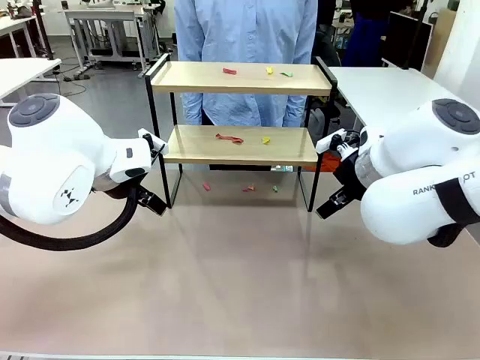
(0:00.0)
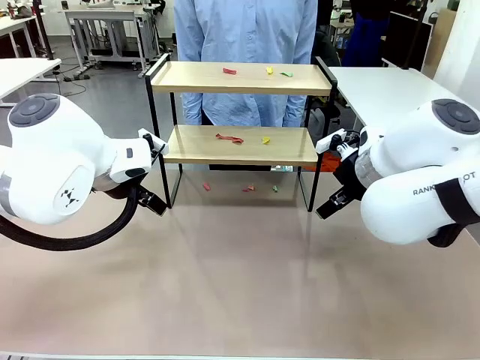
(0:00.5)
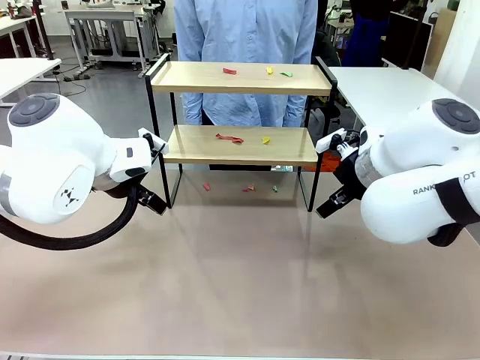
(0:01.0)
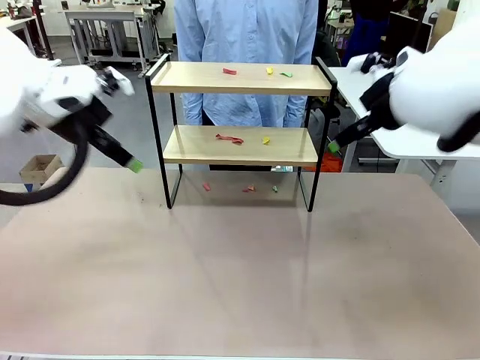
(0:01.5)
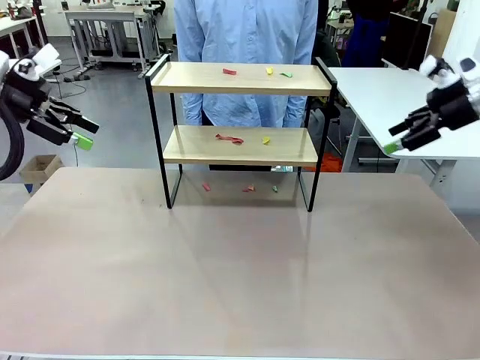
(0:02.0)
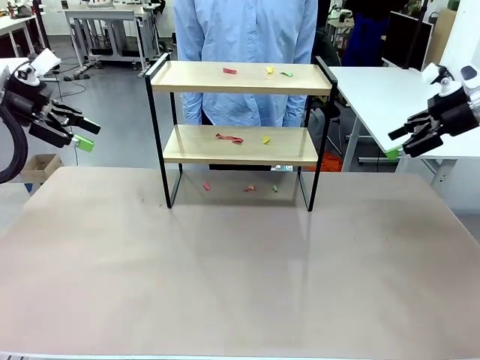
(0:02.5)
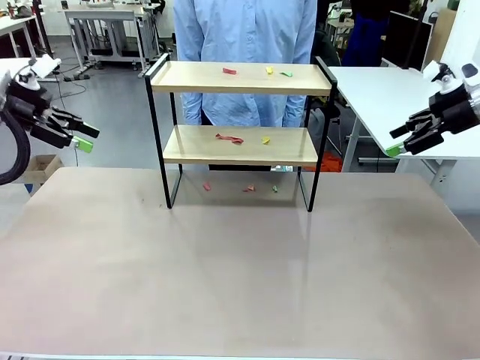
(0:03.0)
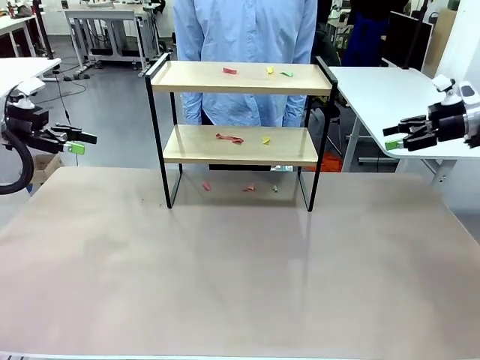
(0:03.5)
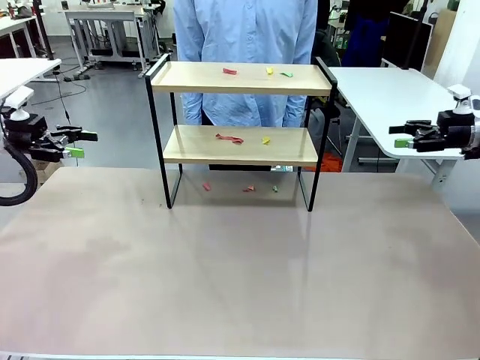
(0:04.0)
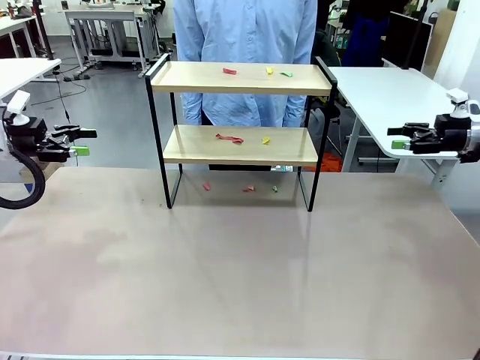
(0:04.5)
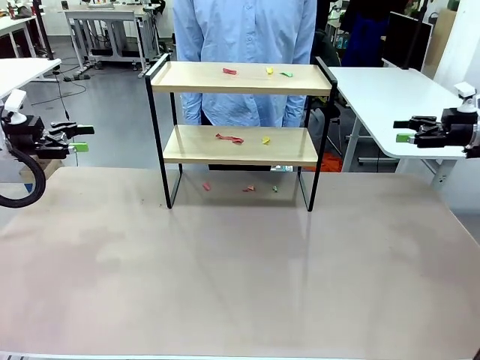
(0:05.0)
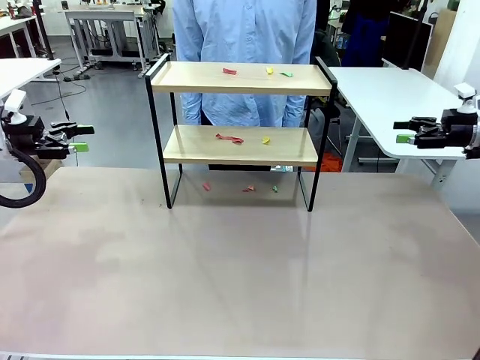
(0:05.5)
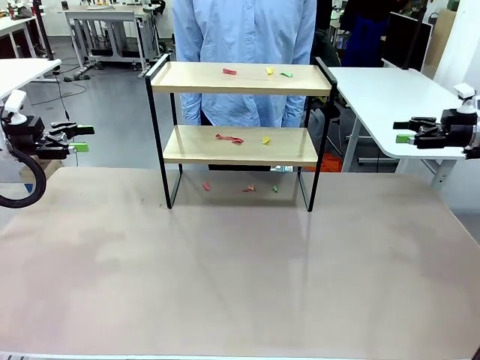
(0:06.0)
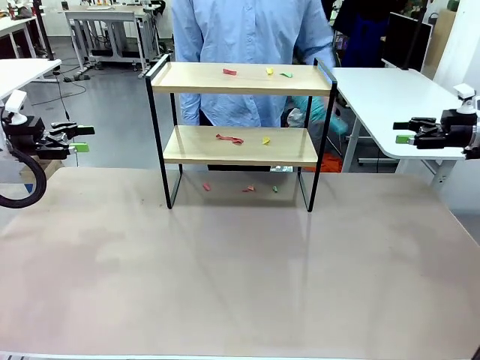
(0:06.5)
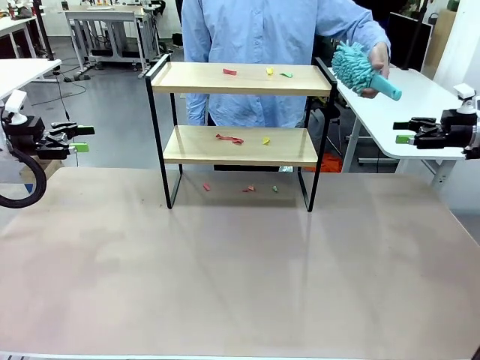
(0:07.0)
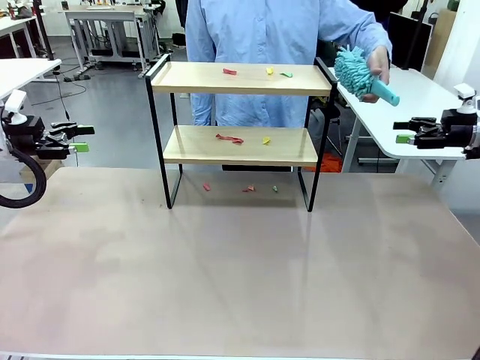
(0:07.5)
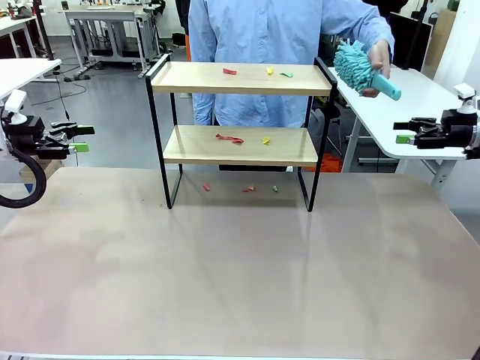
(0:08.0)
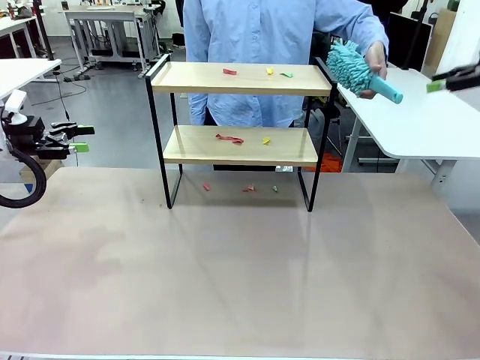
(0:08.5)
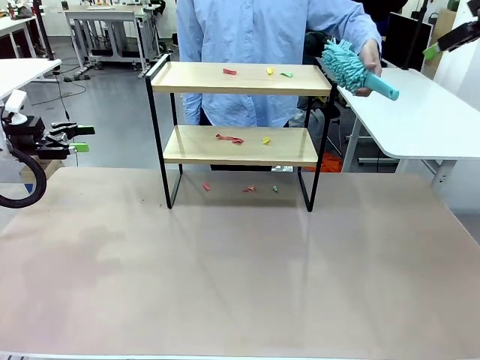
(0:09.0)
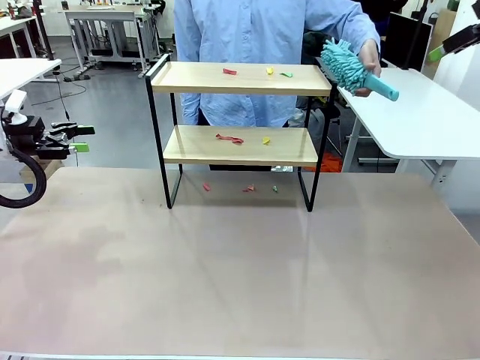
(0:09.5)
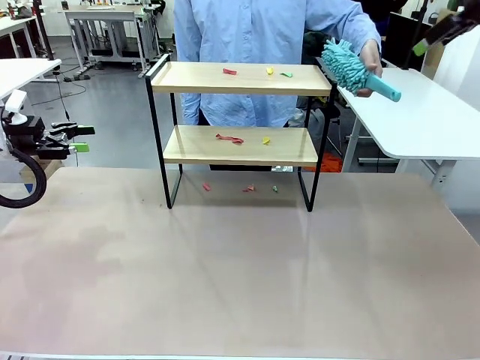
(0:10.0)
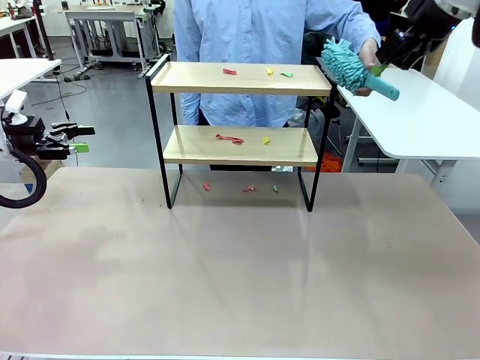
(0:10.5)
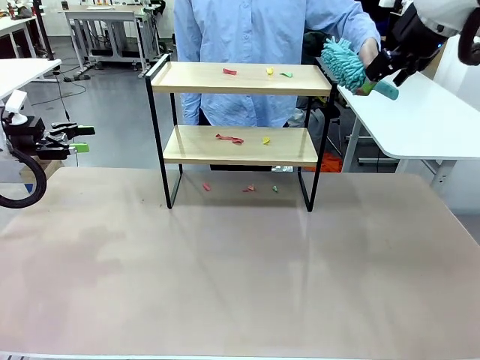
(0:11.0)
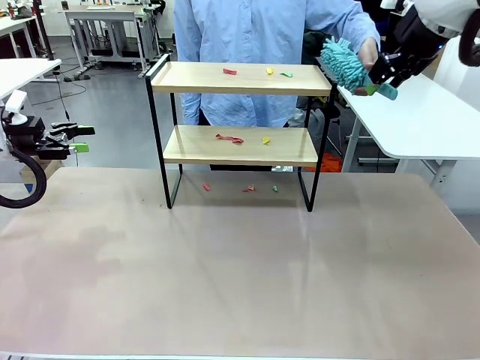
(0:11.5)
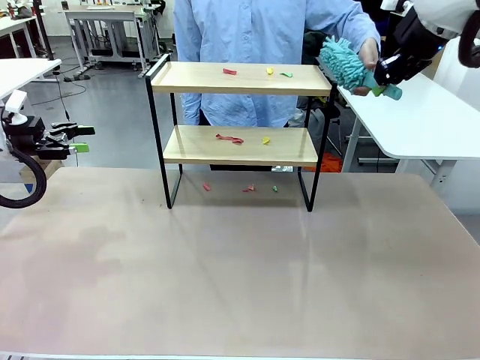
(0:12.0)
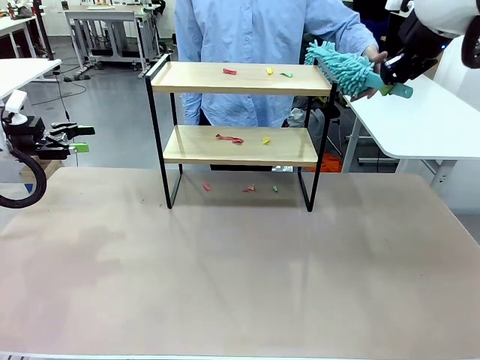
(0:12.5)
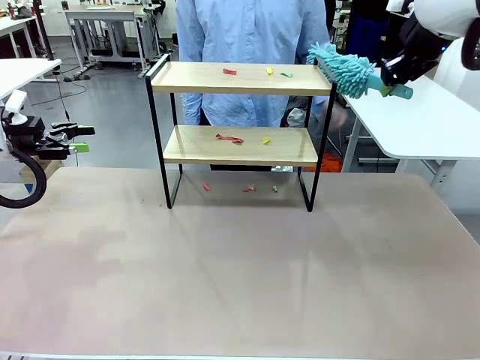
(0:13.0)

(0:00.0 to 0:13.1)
Task: Clean the shelf.
Robot: Pick up the Duster handed by the human.
Person: Hand the Duster to the robot.

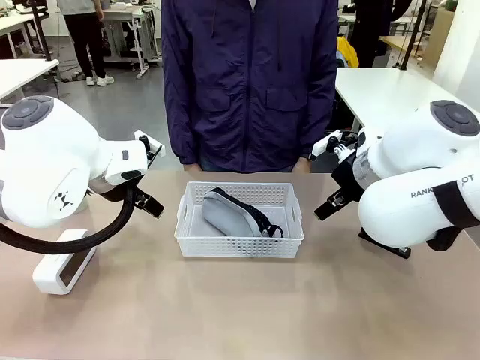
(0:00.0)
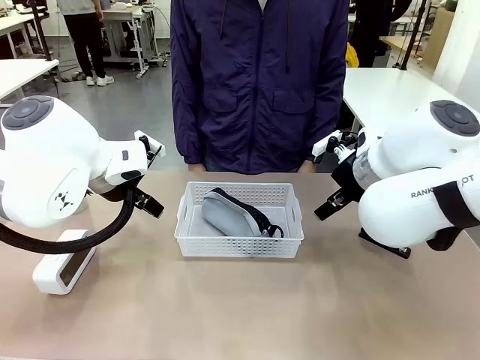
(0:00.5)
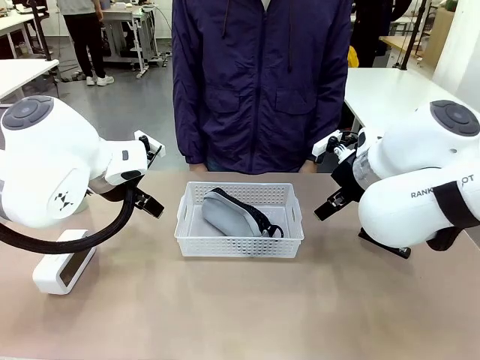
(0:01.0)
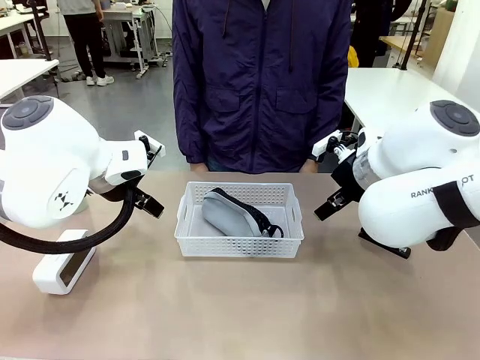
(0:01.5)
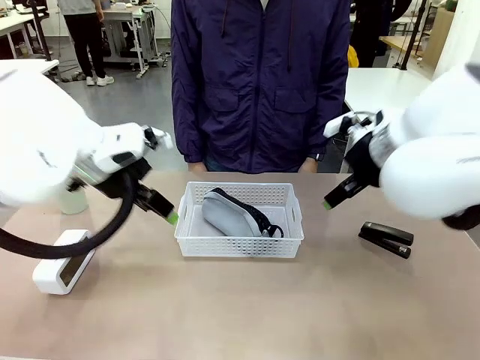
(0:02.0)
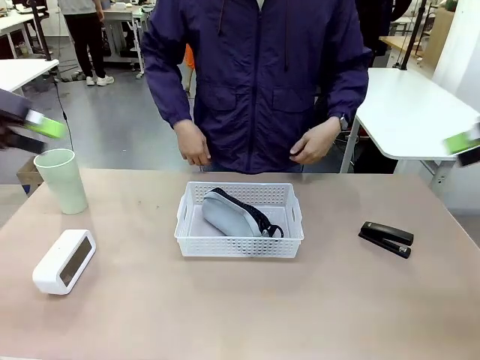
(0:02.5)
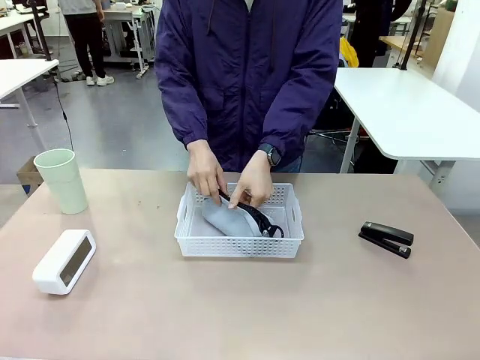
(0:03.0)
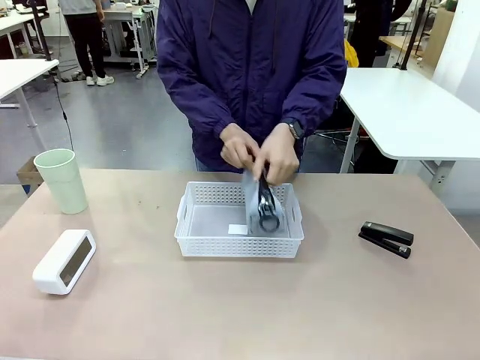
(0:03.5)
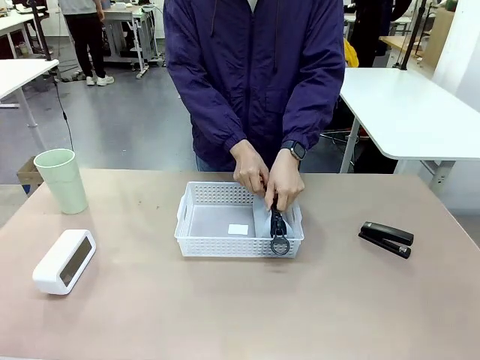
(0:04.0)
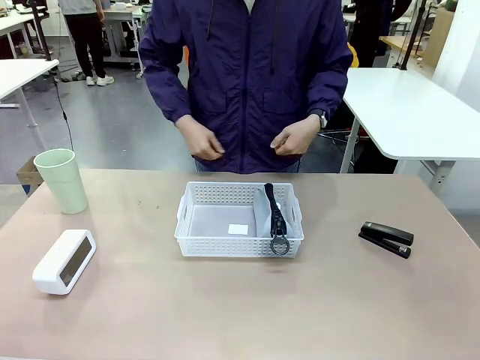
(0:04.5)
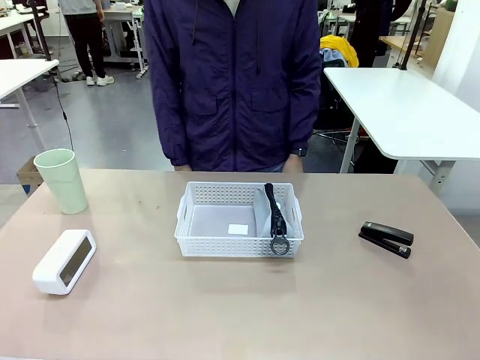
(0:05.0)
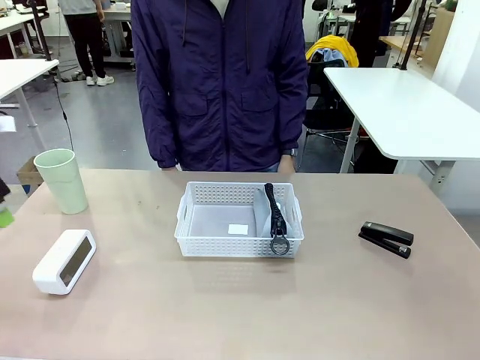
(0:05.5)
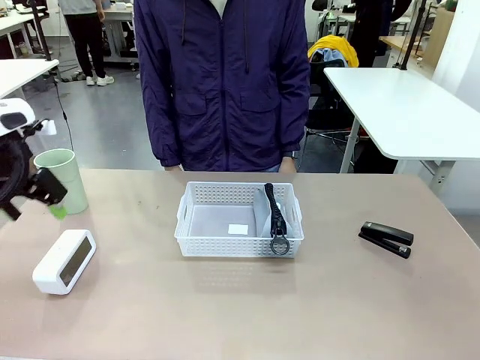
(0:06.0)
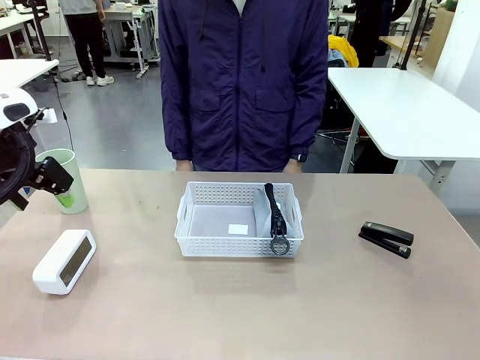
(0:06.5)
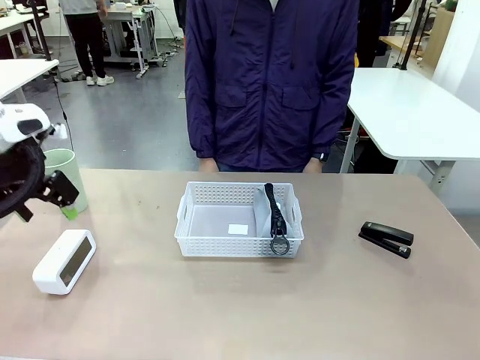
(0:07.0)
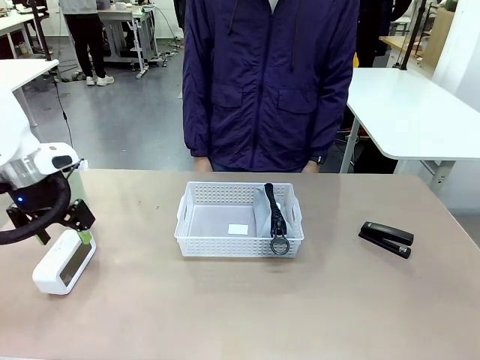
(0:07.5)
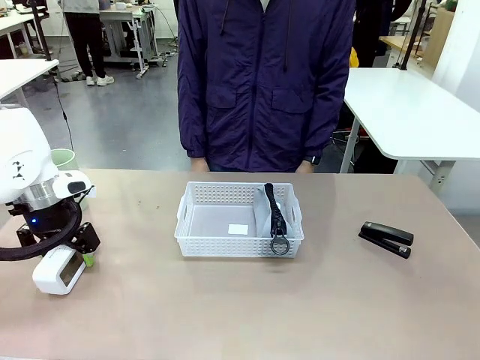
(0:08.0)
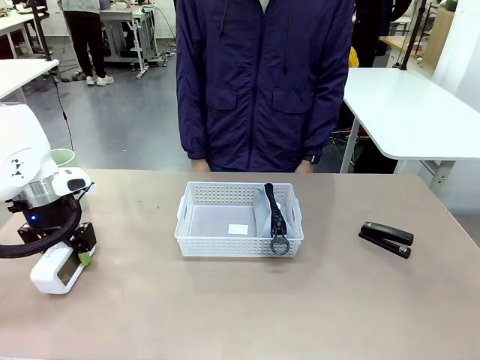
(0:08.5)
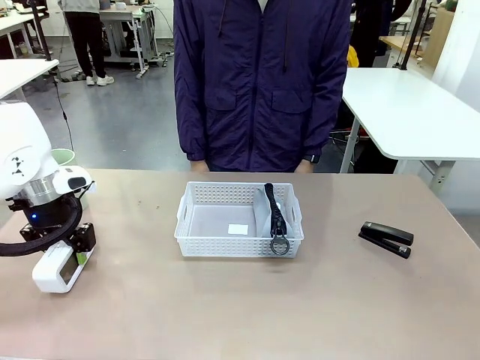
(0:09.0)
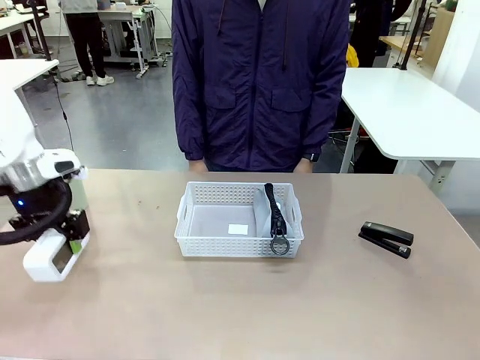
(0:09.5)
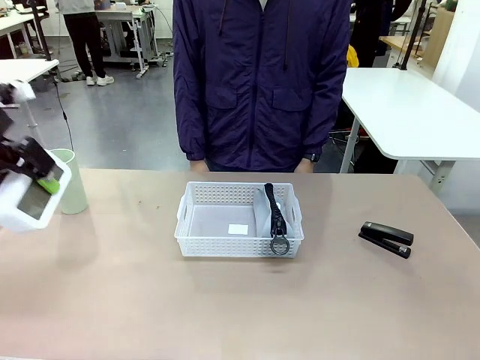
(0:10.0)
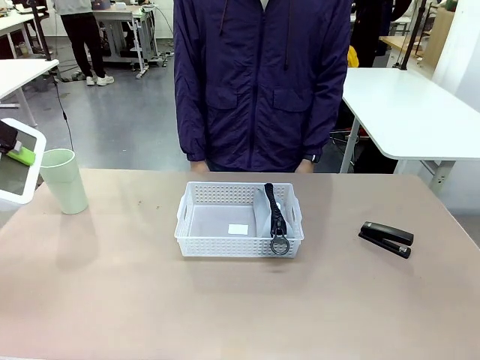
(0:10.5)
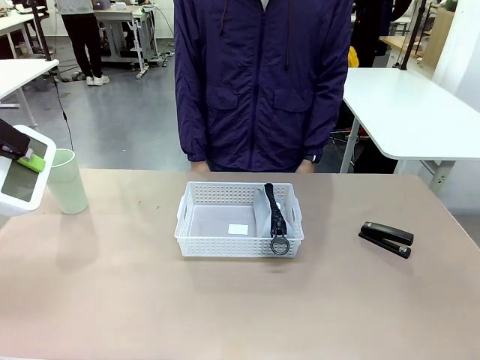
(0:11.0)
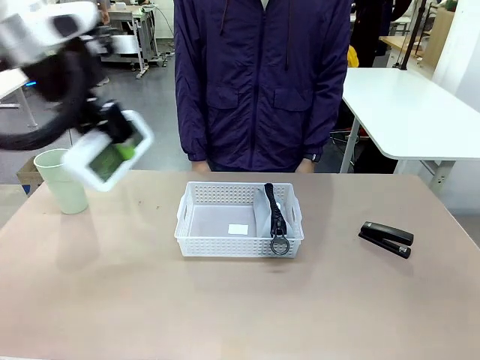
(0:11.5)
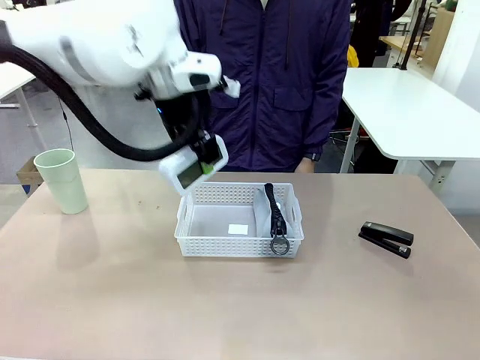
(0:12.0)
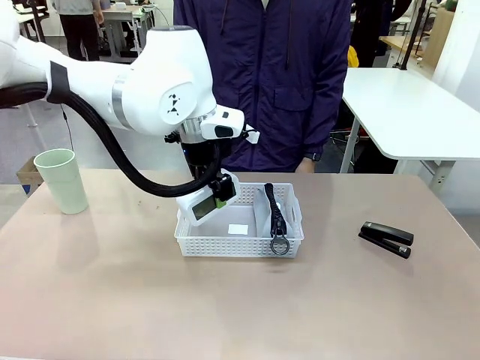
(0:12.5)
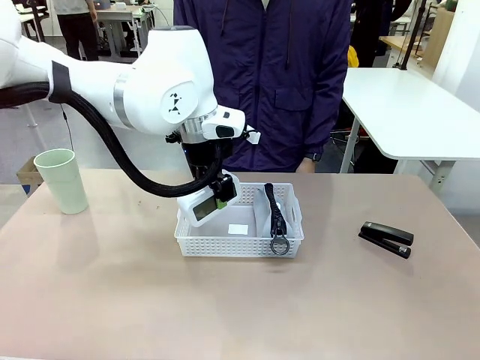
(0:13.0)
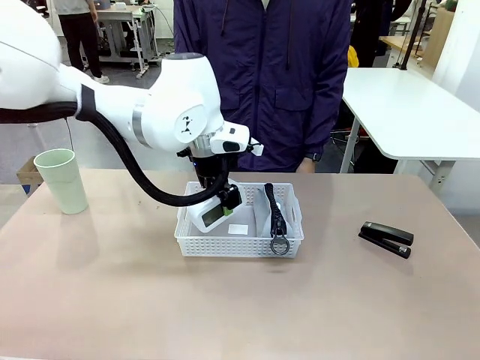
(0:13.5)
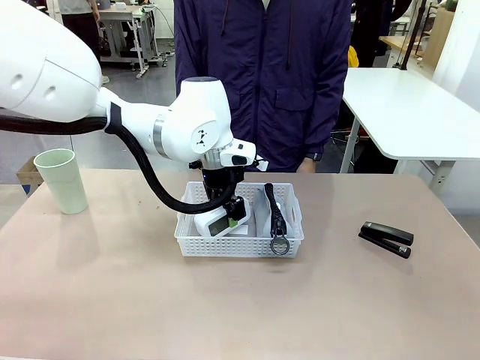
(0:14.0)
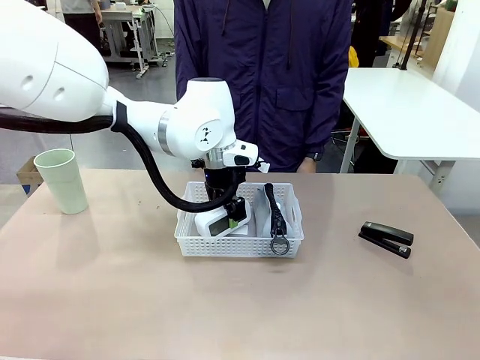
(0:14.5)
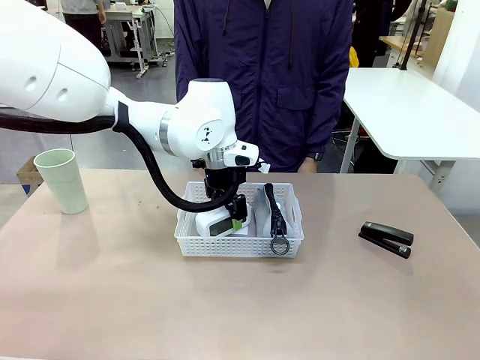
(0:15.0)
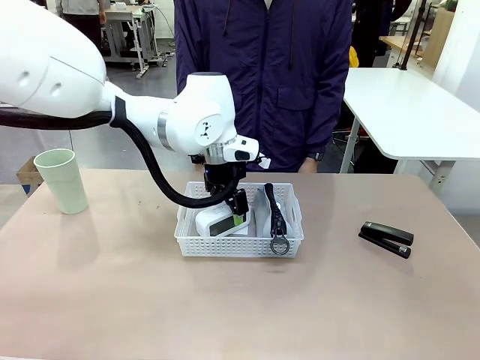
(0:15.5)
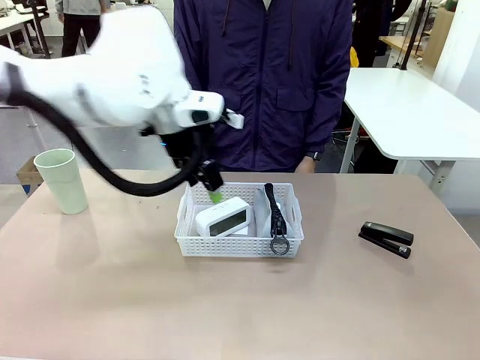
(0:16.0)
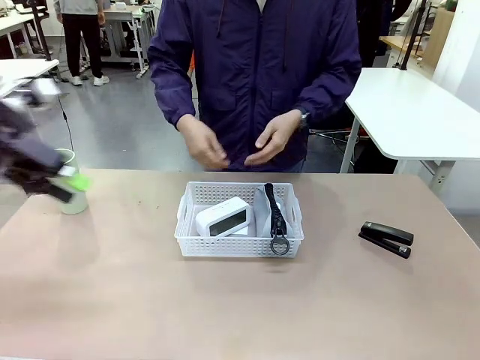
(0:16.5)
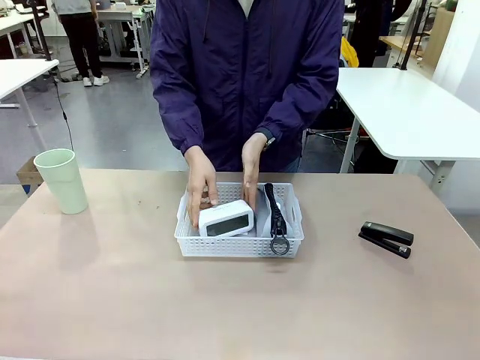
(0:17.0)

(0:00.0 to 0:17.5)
Task: Efficiently arrange items inside the basket to fit them all.
Robot: Pick up the Digital clock and place it inside the Organizing basket.
Person: Repositions the pencil case. Repositions the digital clock.
